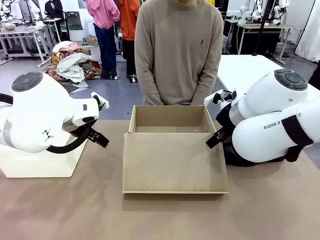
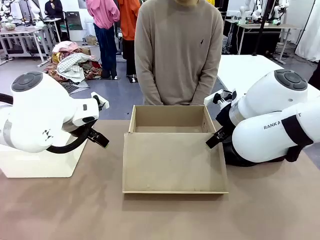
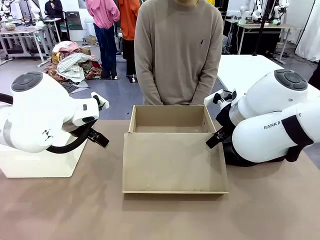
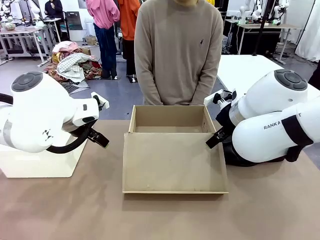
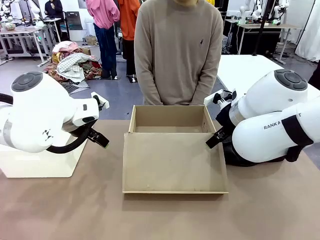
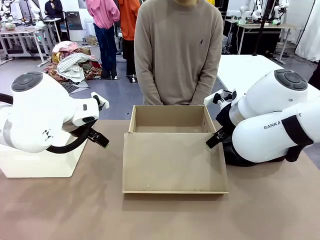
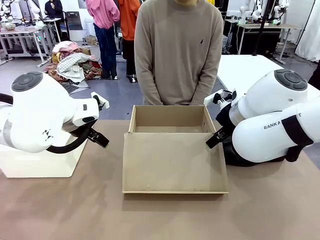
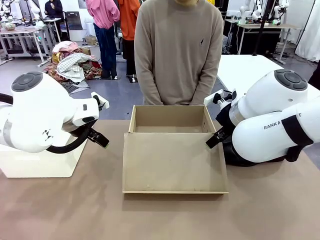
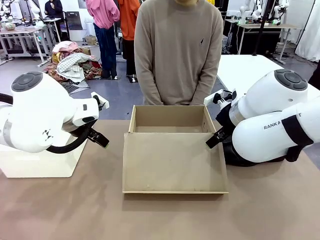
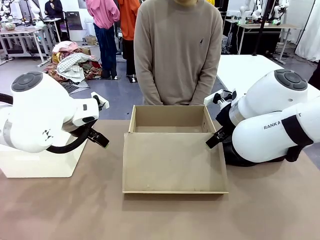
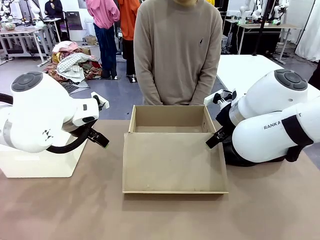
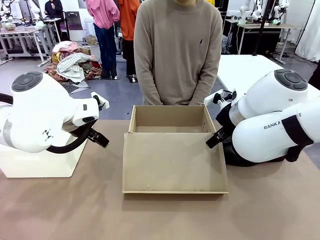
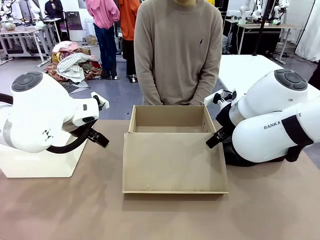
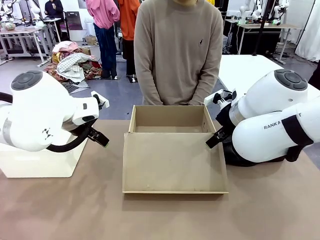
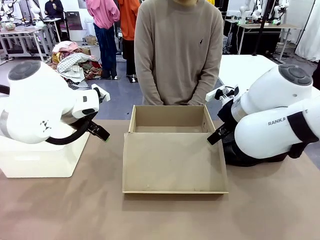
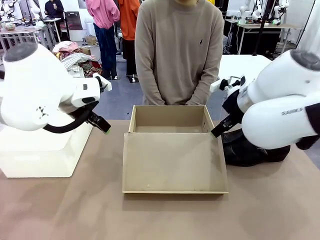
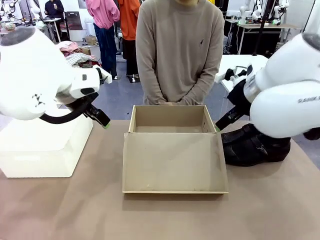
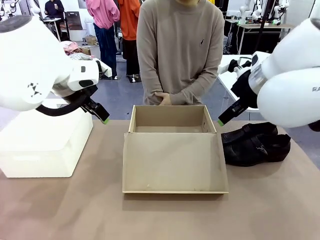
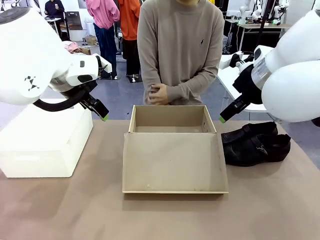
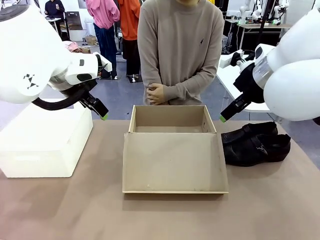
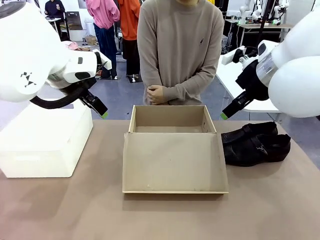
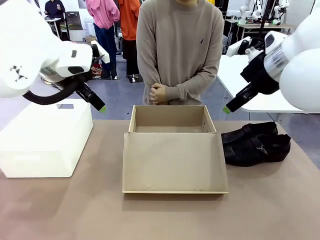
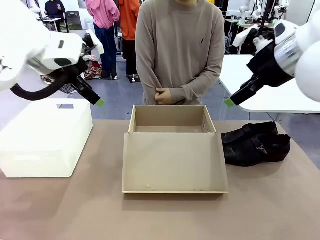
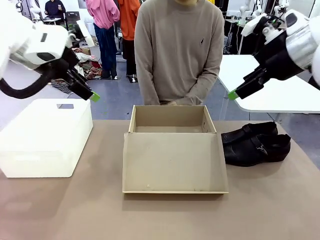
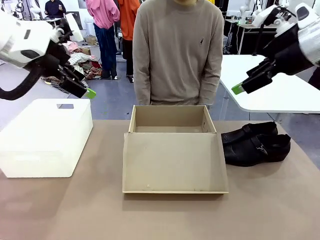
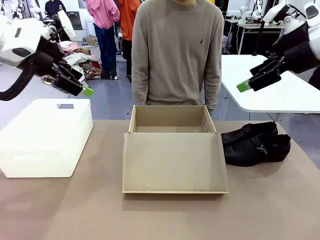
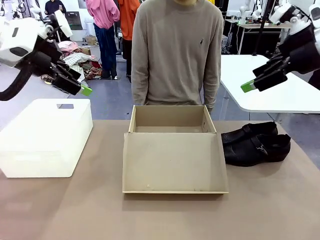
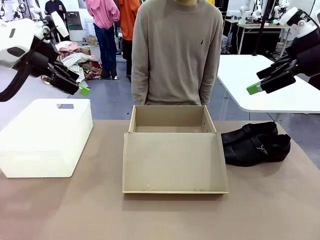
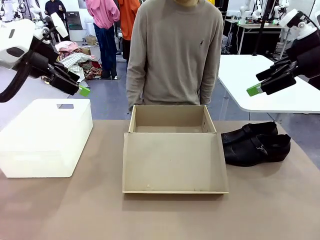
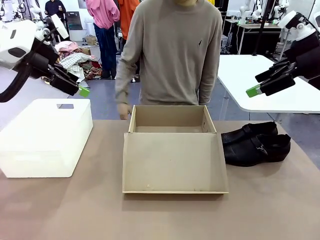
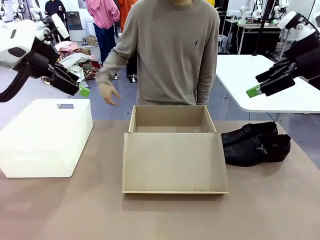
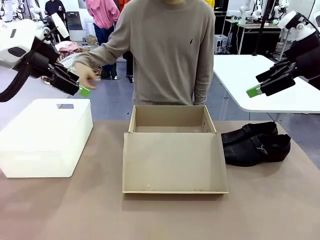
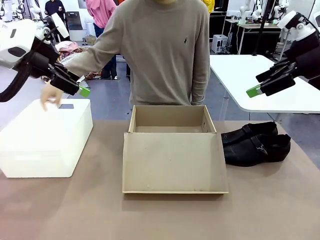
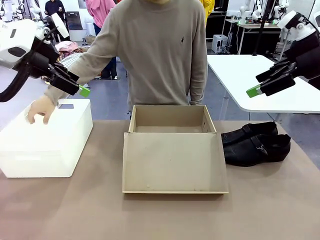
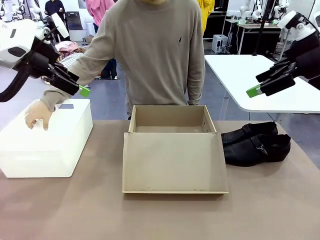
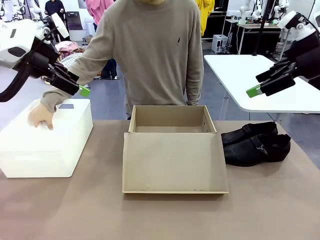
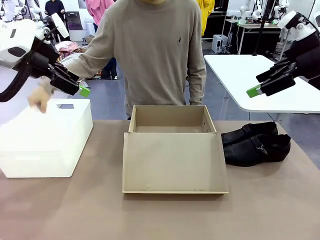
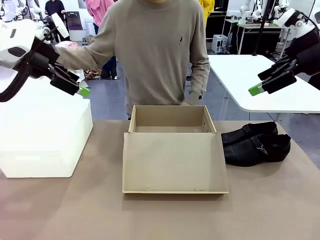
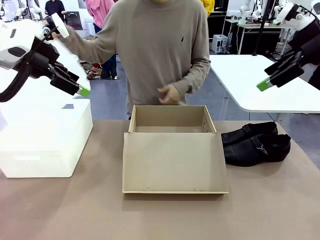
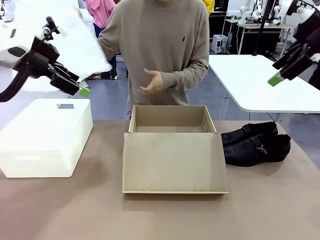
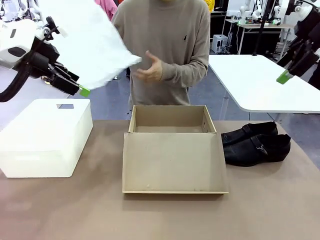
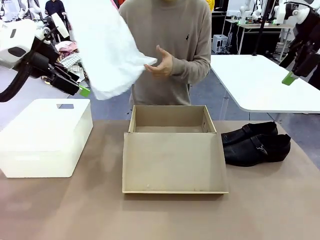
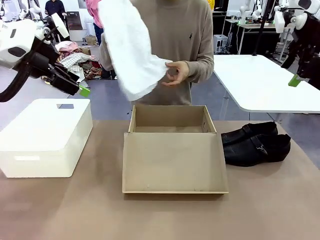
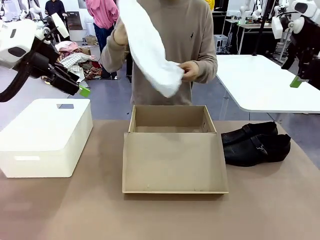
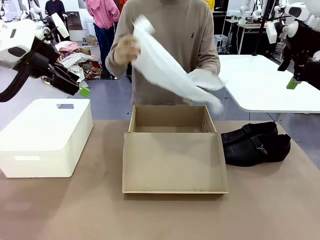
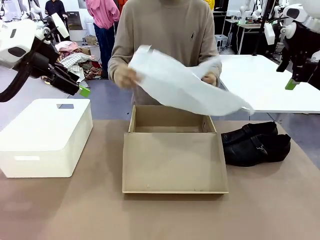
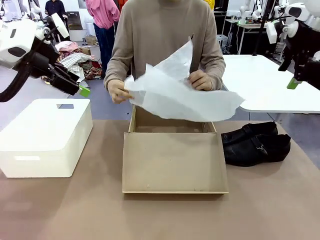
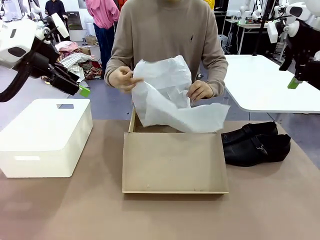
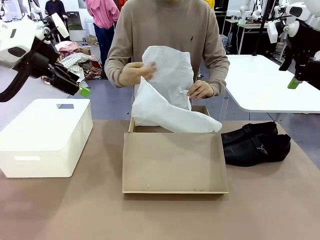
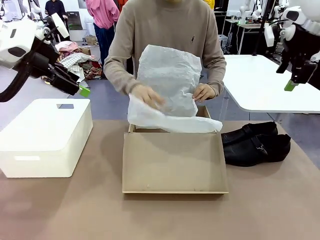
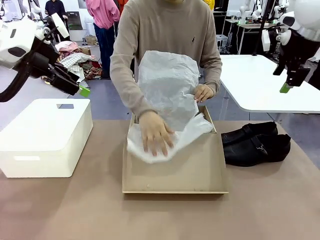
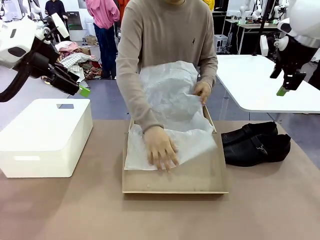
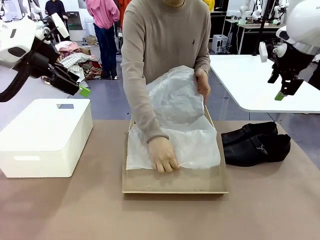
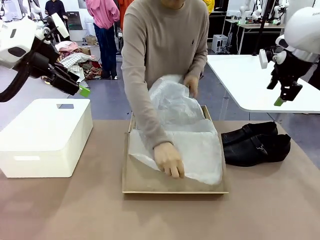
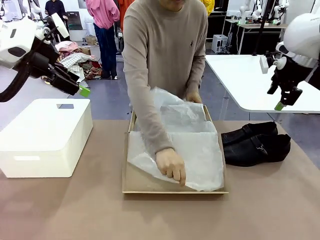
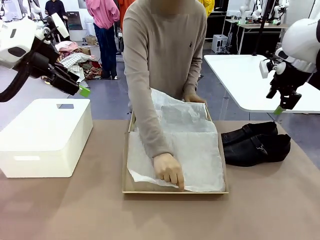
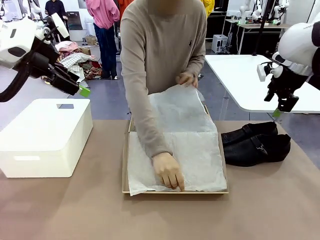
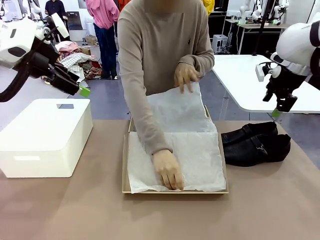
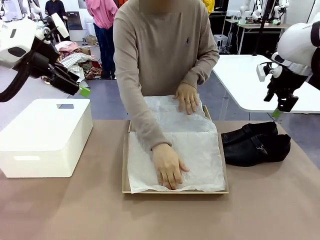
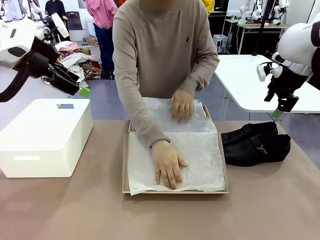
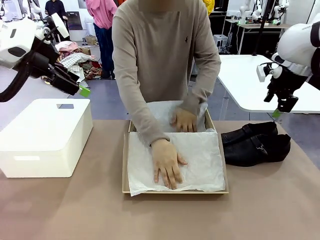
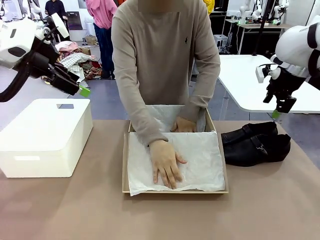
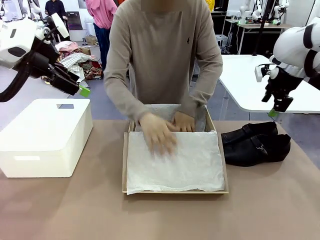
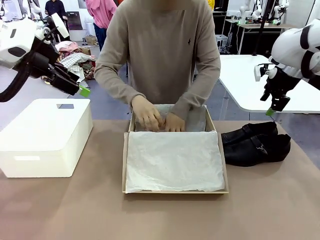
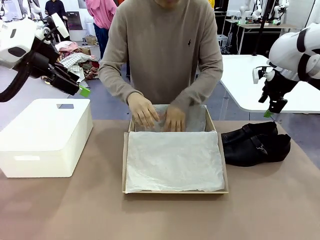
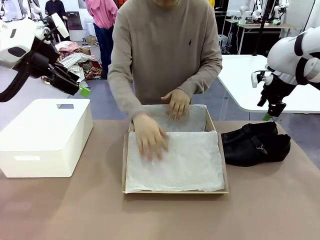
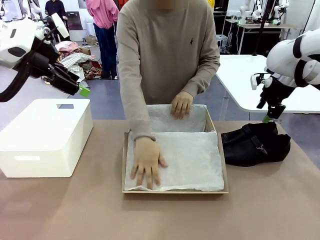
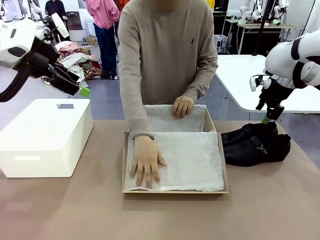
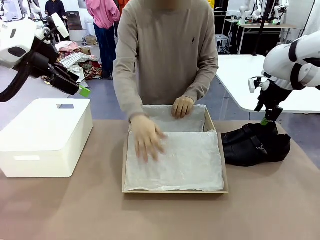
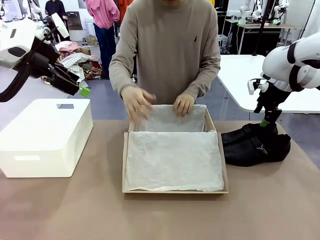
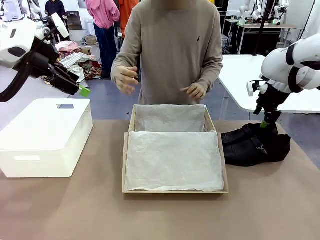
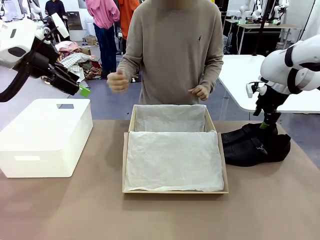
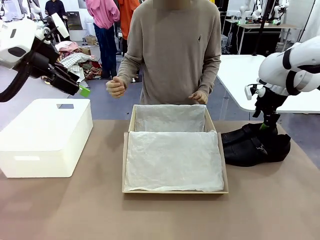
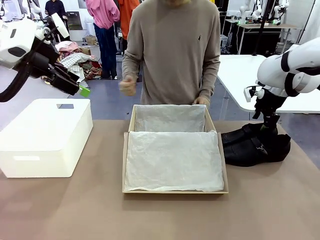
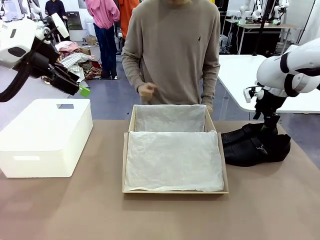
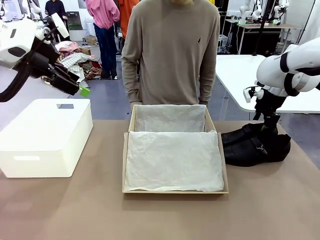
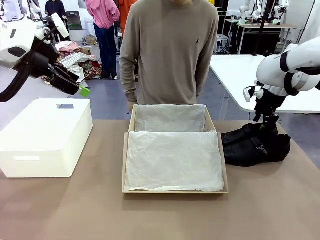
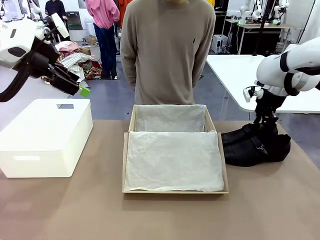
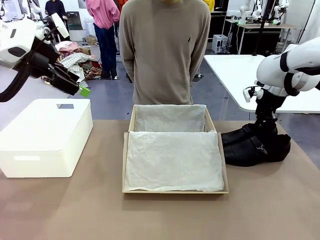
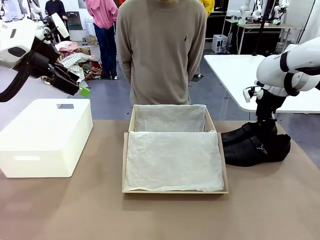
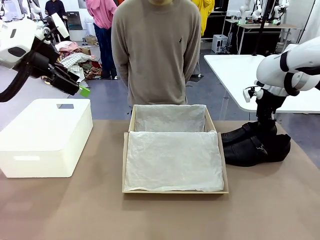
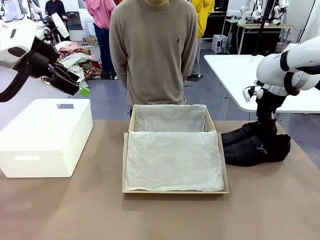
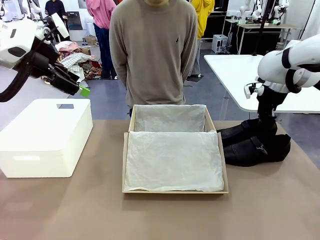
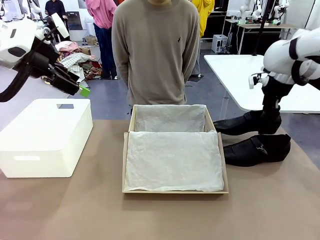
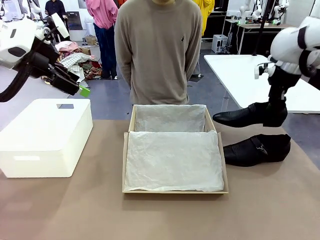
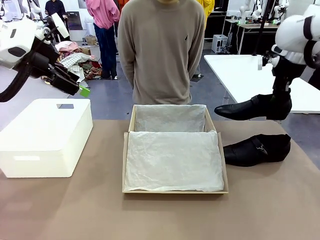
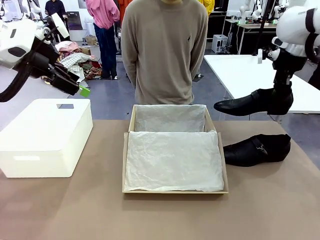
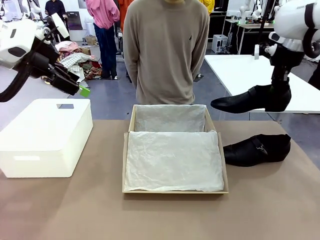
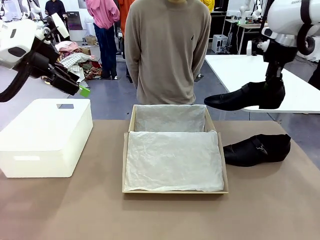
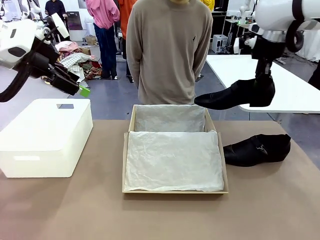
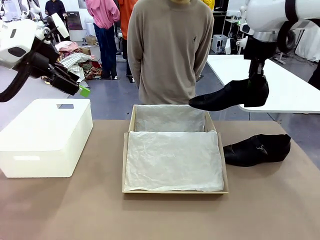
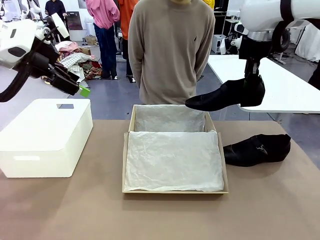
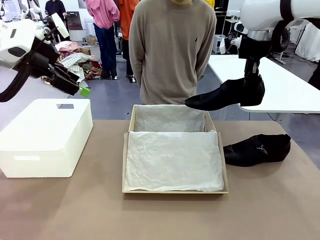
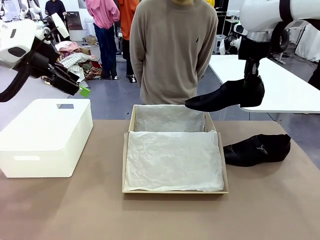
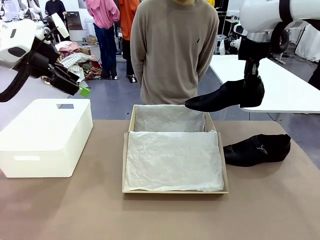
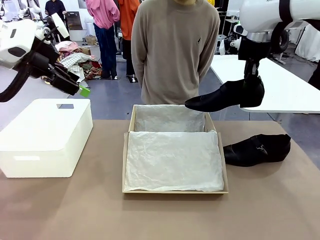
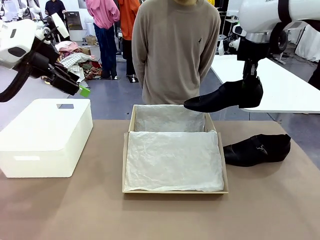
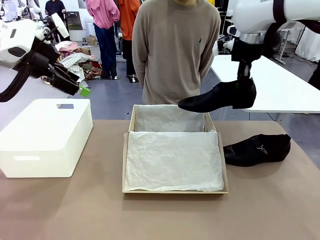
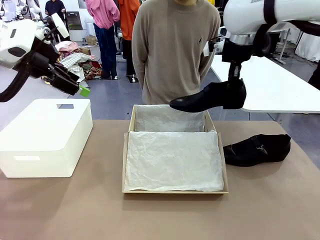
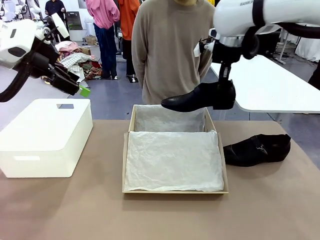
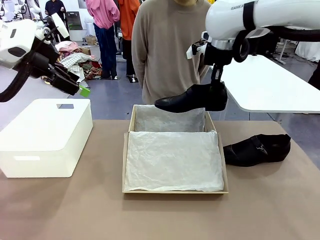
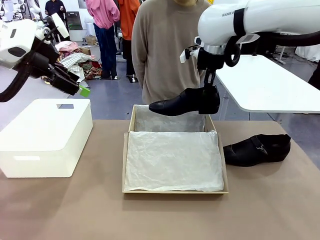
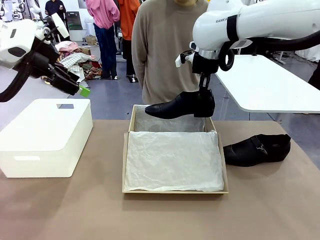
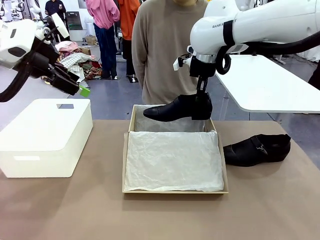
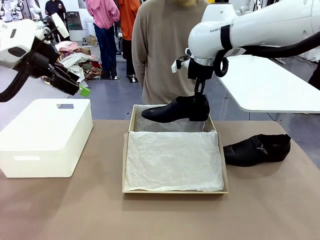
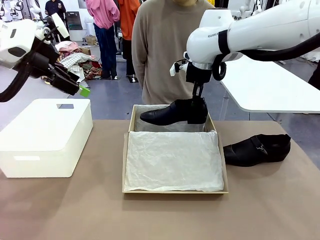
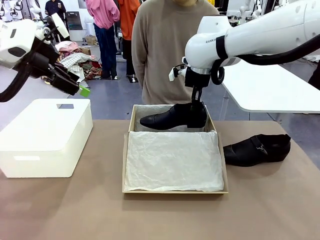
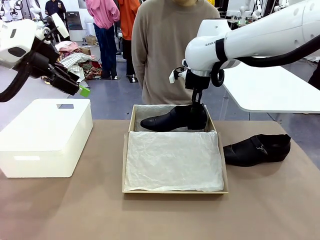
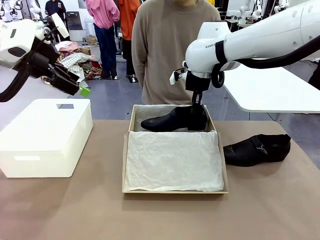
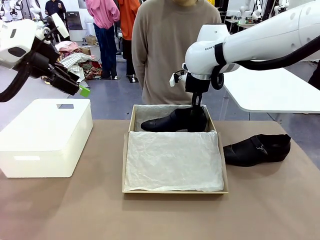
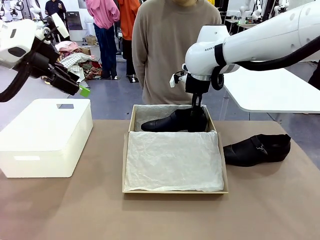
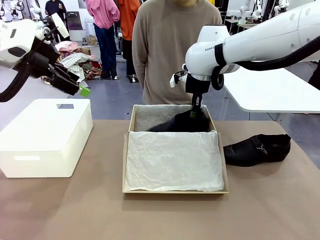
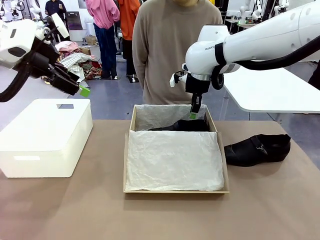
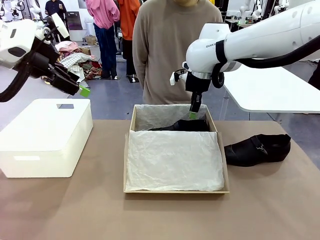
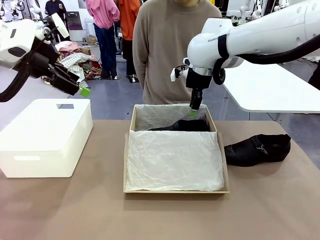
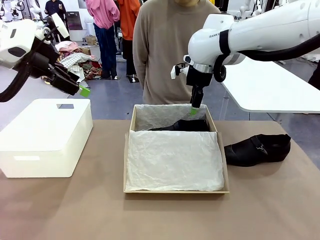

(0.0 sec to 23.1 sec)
Task: Pack the shoes into the box.
Robot: Place one shoe of the Shoes into the Shoes Box.
Person: Spread Shoes Wrapping Paper and place inside the Shoes Box.
